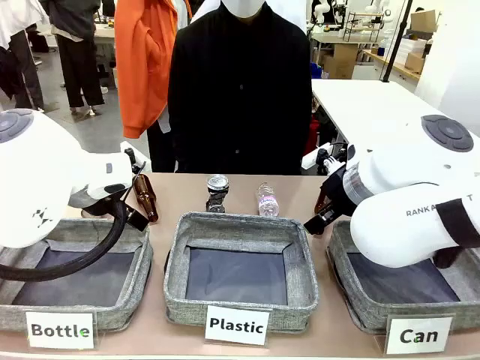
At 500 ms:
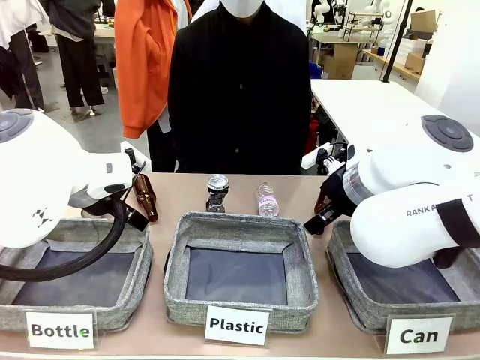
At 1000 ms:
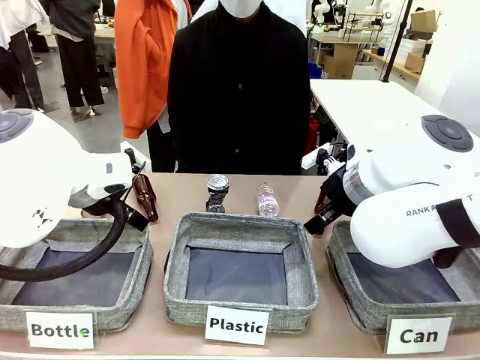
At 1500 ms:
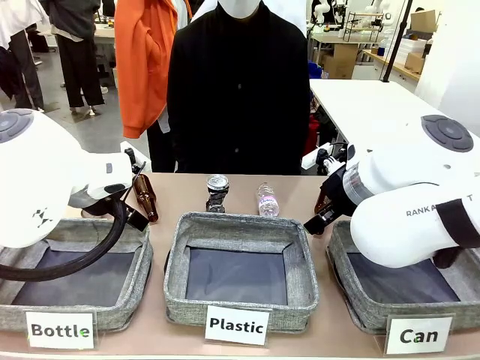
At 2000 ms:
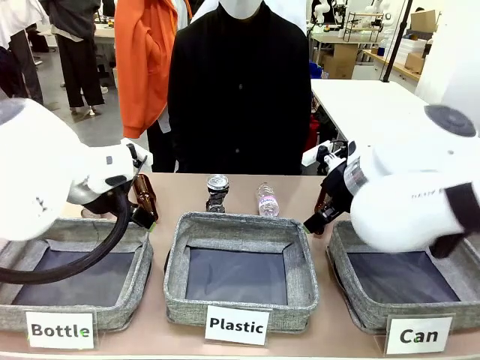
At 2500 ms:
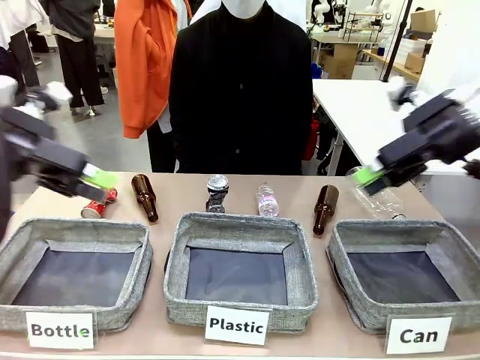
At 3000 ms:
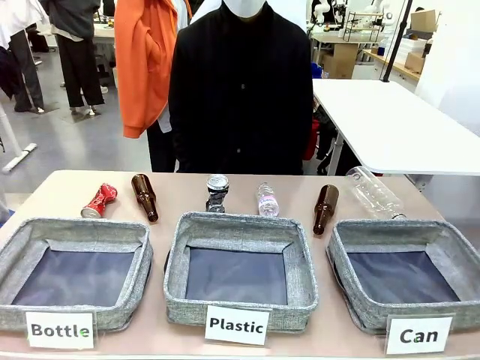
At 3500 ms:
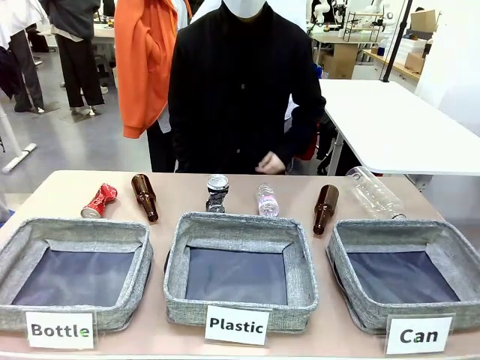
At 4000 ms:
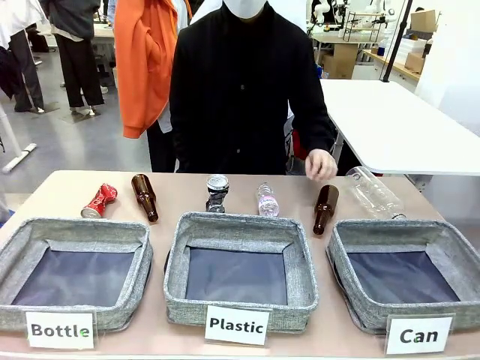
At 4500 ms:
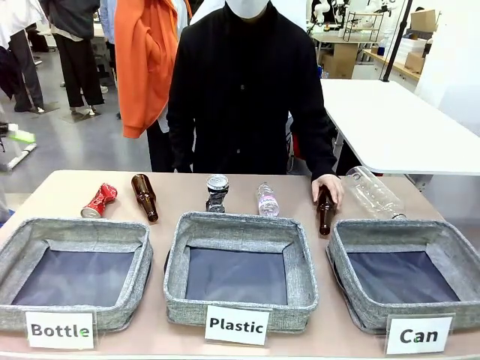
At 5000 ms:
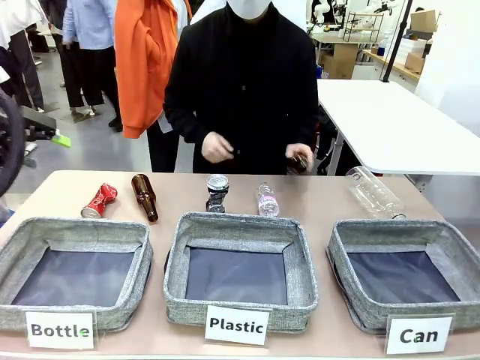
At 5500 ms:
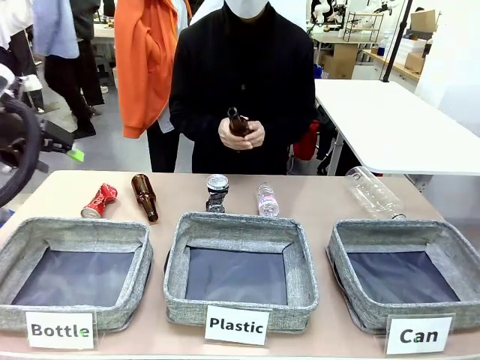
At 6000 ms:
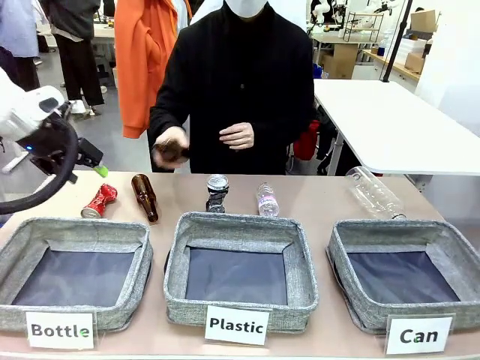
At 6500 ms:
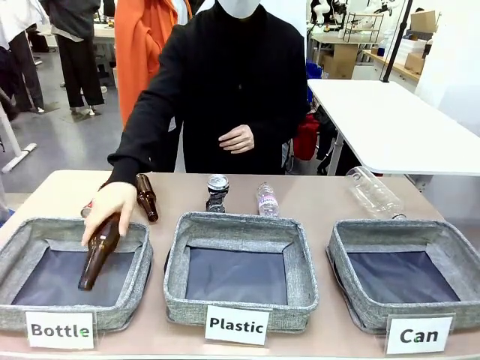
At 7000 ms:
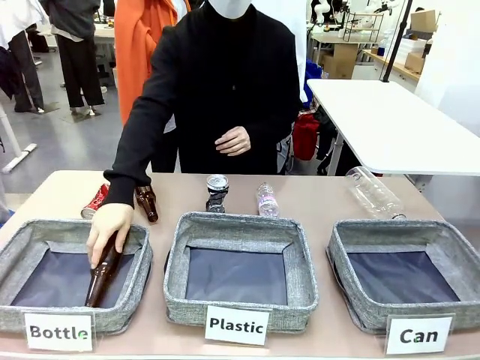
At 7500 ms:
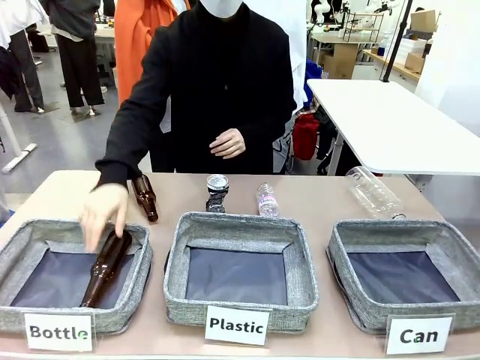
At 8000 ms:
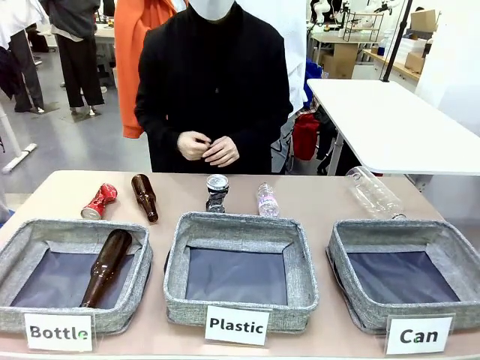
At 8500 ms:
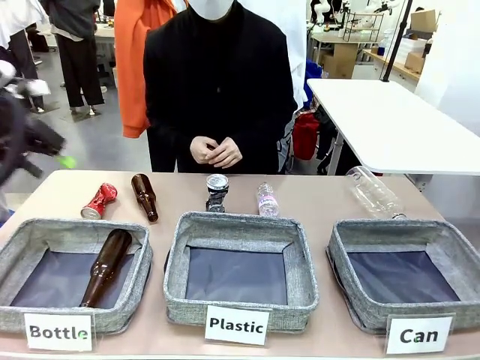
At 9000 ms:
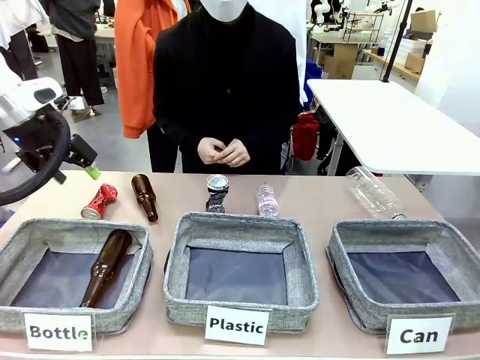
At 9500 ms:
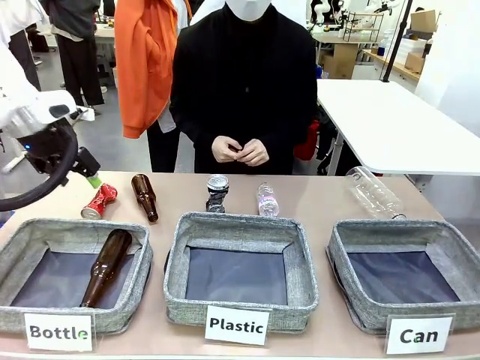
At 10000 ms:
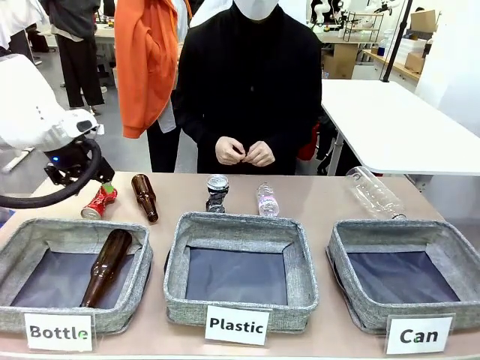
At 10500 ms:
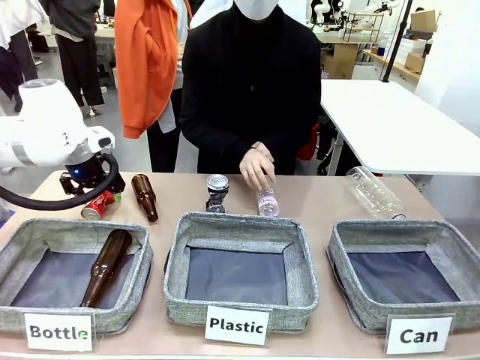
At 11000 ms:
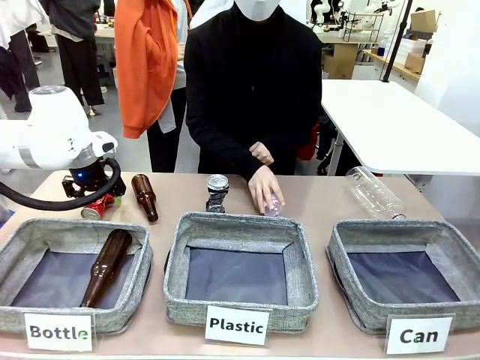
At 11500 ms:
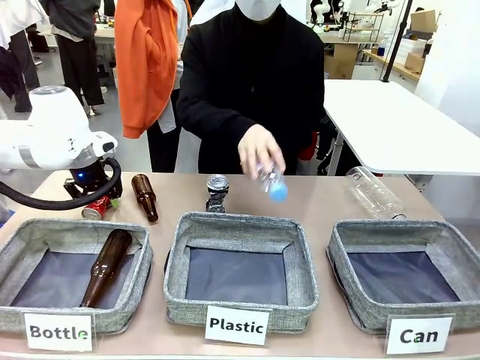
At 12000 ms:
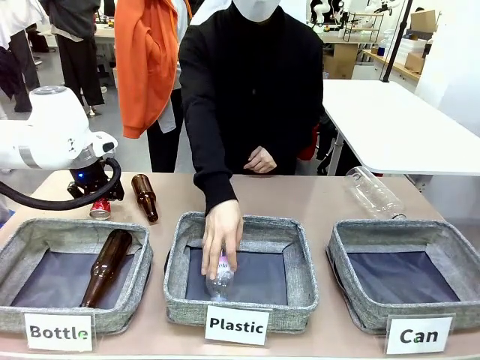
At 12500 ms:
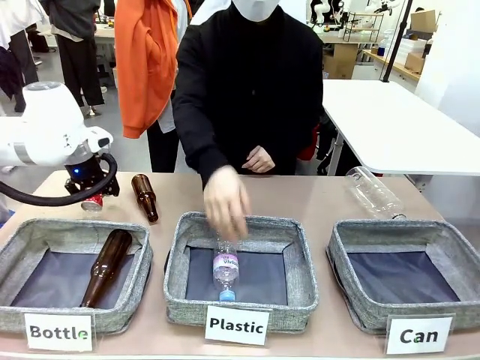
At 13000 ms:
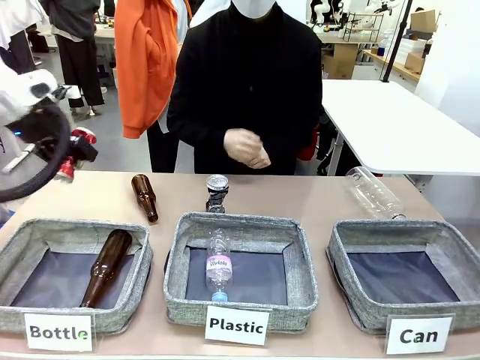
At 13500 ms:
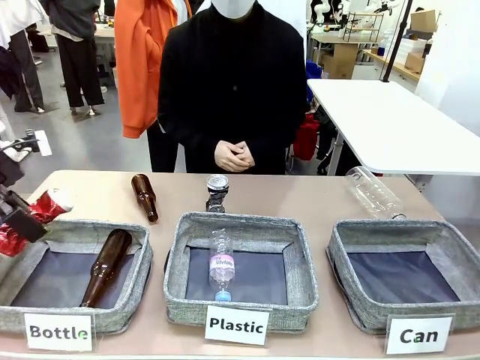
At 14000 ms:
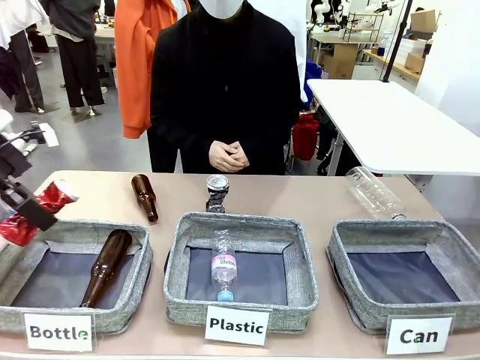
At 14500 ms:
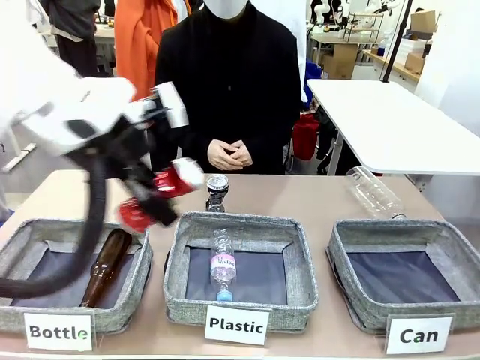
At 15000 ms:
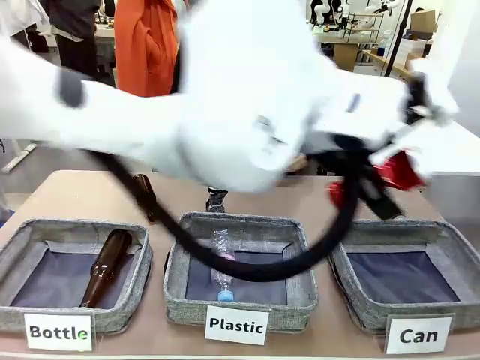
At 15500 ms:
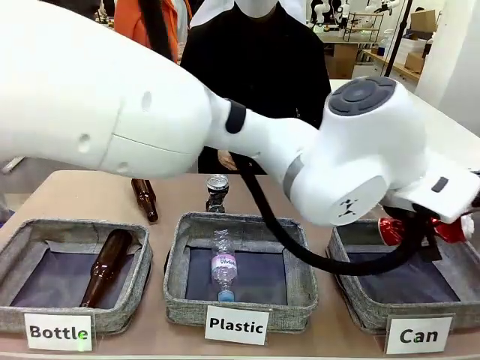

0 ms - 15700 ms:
Task: Sort the can waste into the basket.
Robot: Pick up the can waste from the table and place it in the right Fabric basket.

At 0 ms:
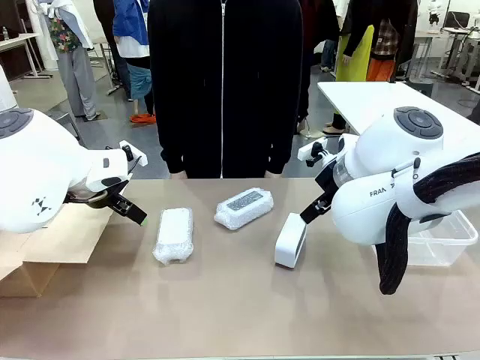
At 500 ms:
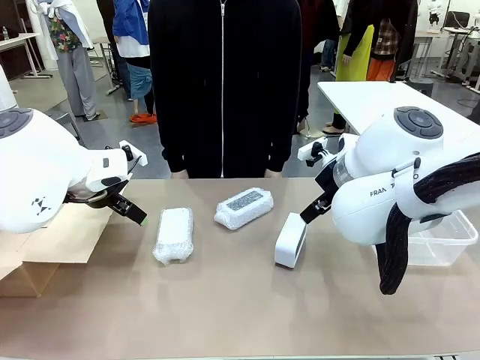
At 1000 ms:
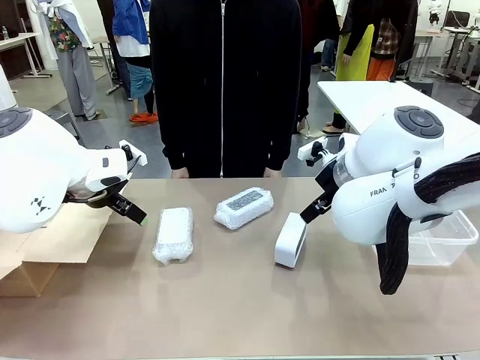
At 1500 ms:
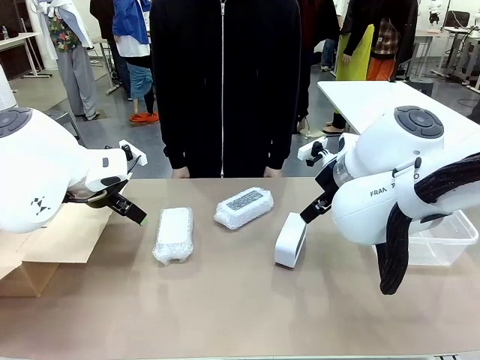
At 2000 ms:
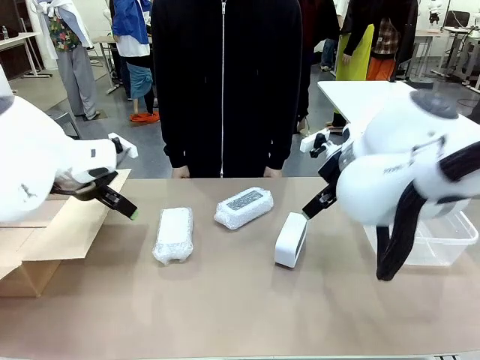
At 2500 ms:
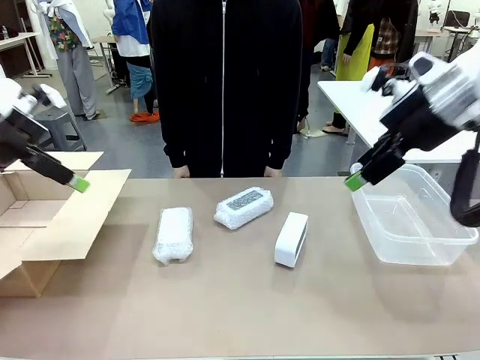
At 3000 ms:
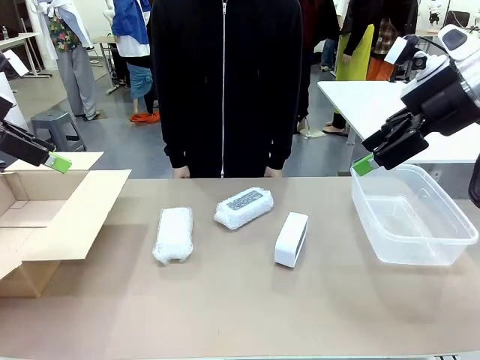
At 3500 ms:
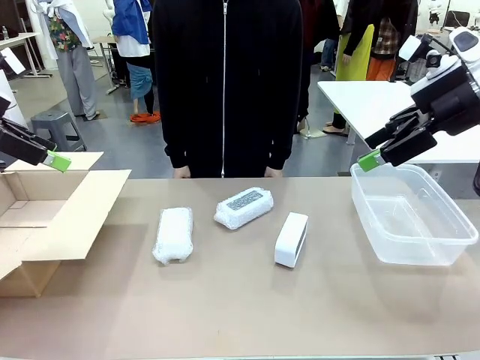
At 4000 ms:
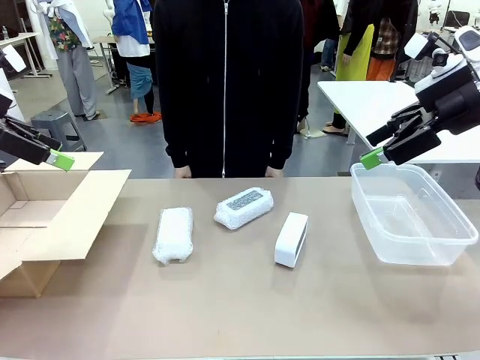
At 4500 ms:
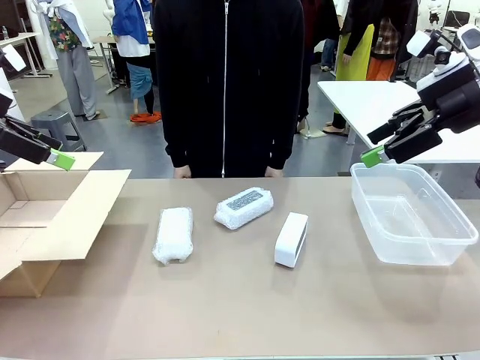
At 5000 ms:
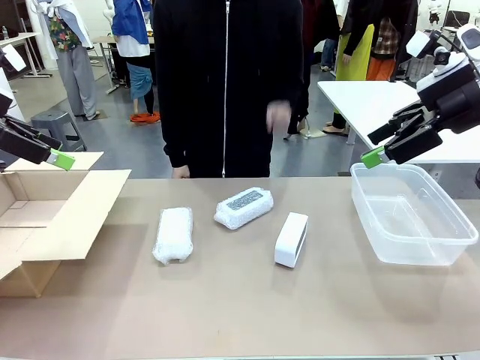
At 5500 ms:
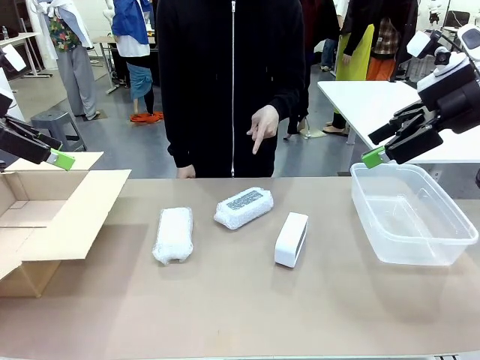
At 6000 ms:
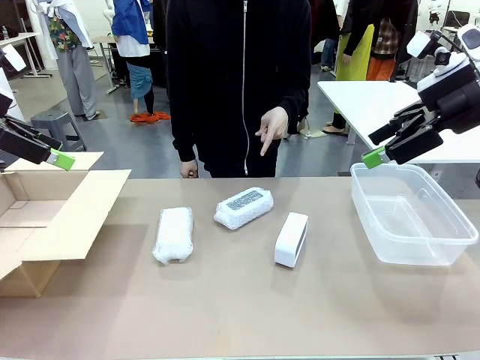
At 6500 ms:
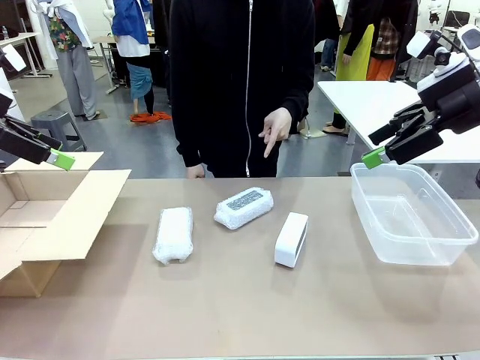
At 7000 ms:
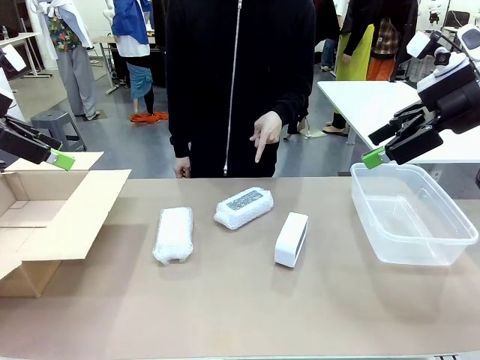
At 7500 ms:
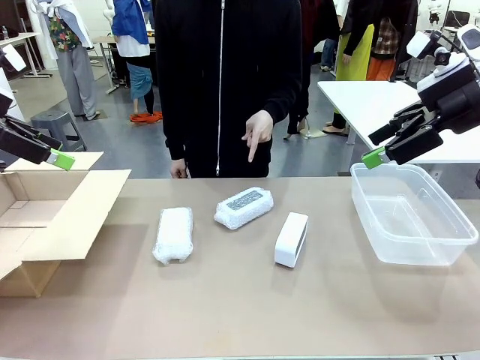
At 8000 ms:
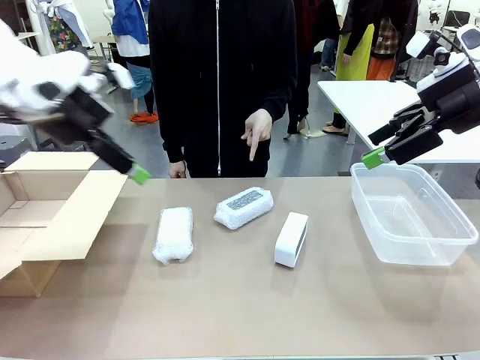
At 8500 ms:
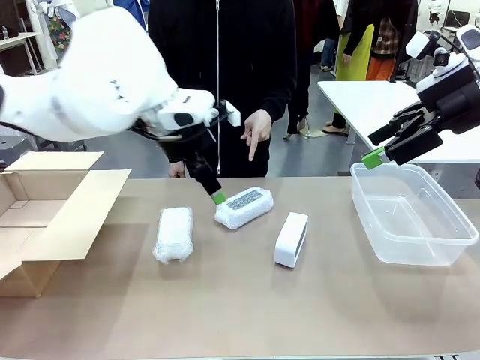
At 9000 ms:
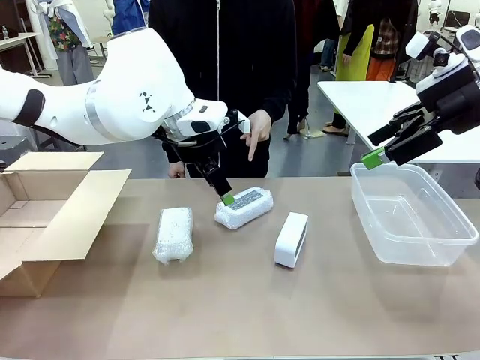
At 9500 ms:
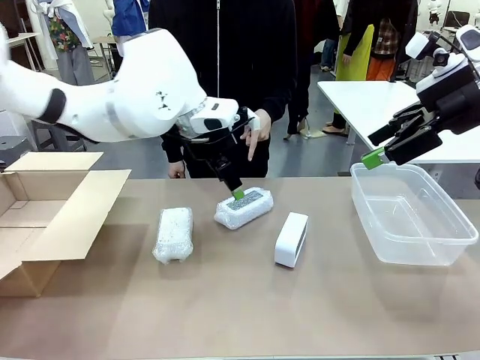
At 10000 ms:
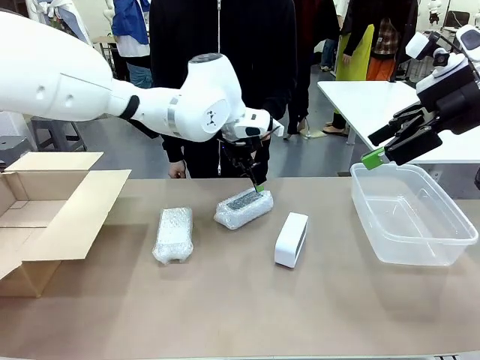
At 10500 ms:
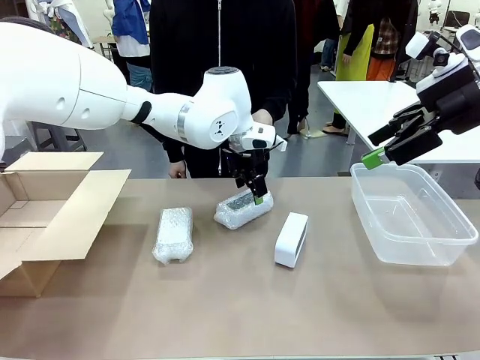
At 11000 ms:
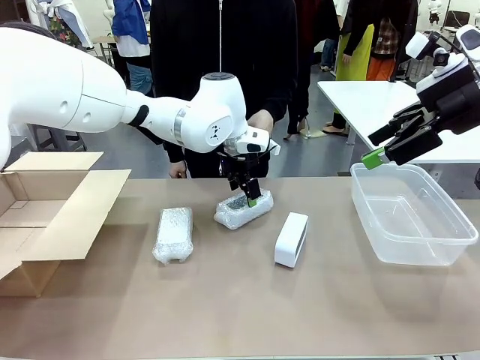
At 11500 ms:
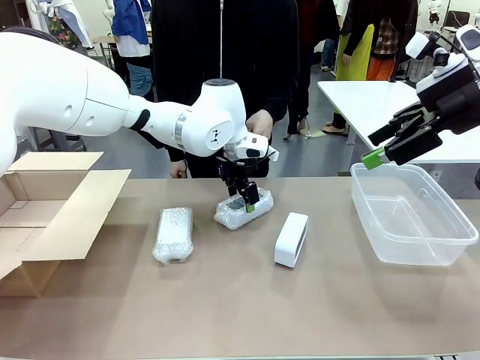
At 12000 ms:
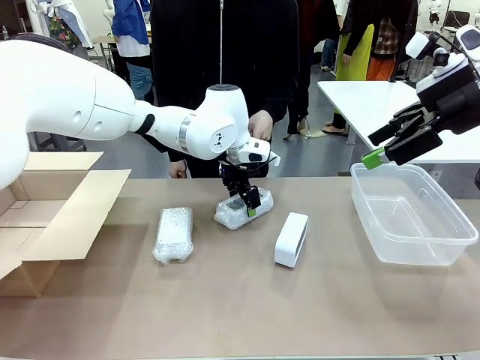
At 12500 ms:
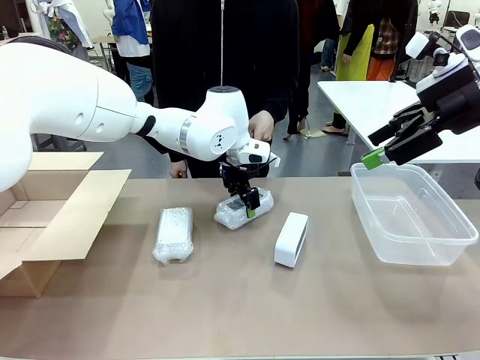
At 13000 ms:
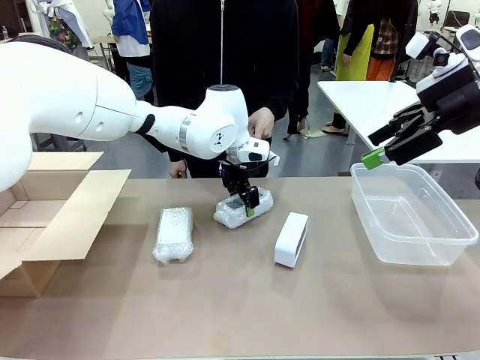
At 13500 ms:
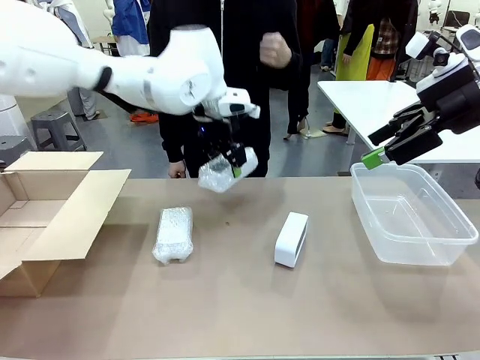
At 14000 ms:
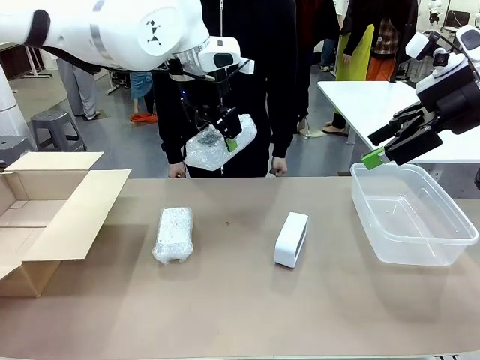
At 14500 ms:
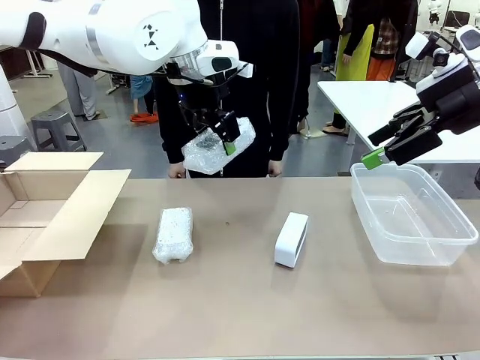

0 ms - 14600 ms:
Task: Separate and place wrapped and unwrapped clocks.
Robot: Pick up the Digital clock indicated by the person.
